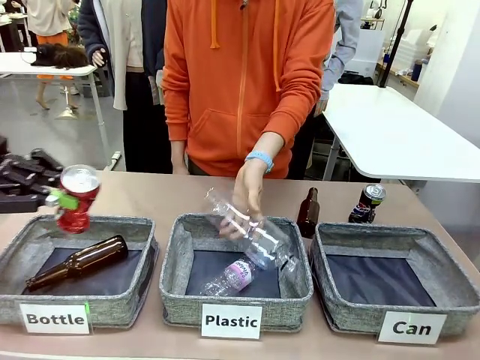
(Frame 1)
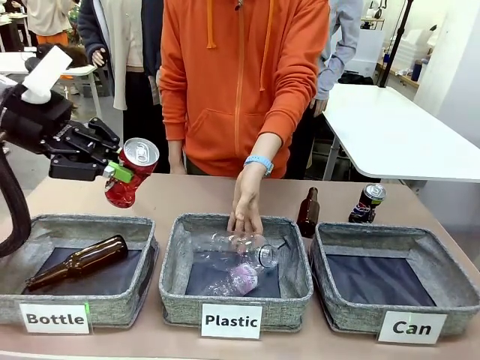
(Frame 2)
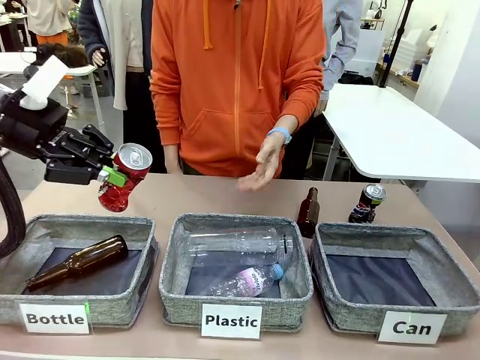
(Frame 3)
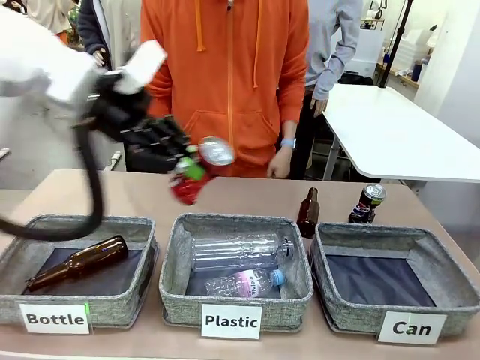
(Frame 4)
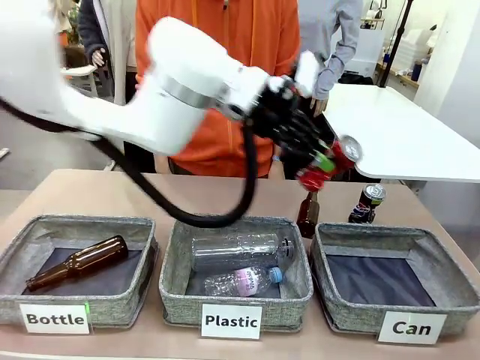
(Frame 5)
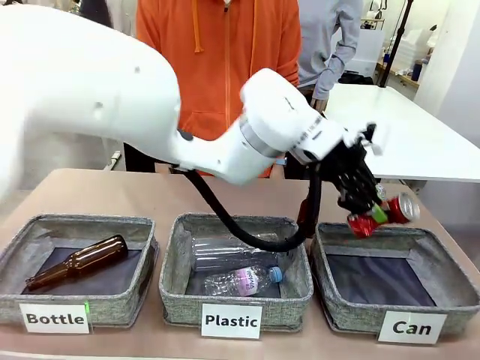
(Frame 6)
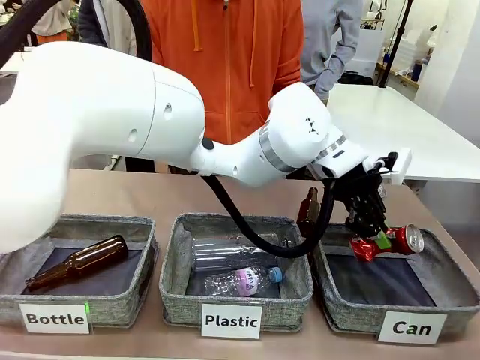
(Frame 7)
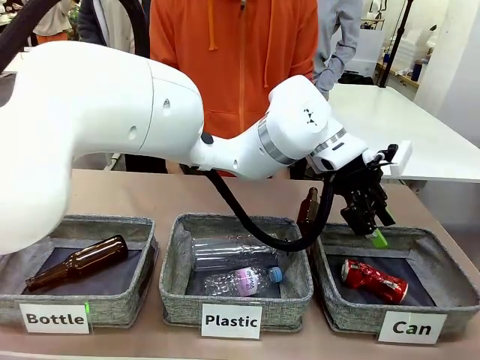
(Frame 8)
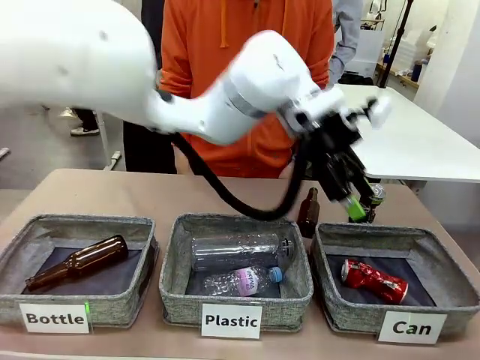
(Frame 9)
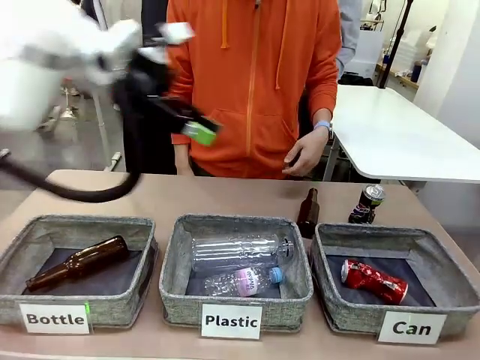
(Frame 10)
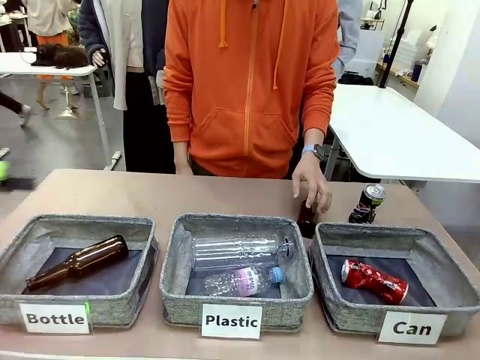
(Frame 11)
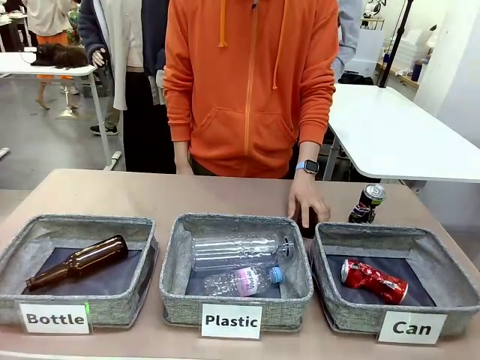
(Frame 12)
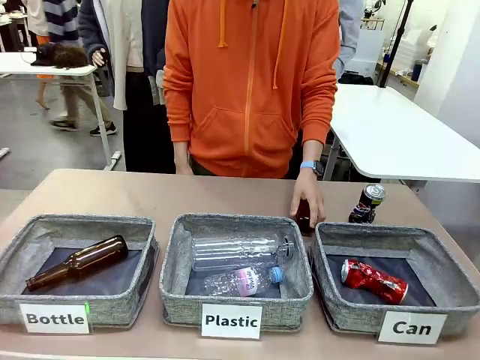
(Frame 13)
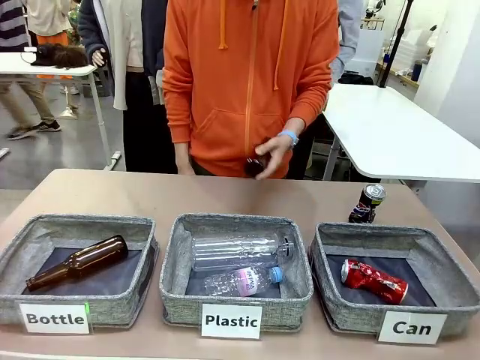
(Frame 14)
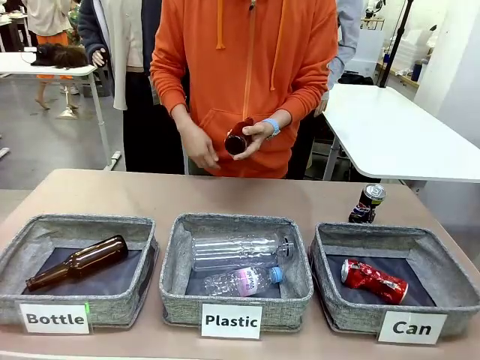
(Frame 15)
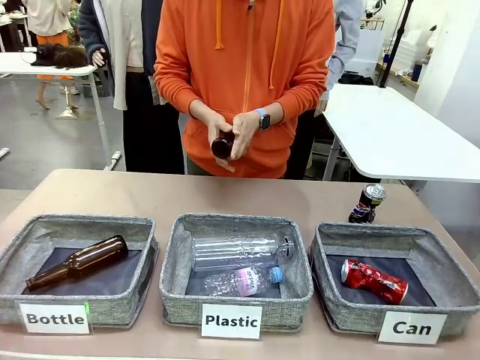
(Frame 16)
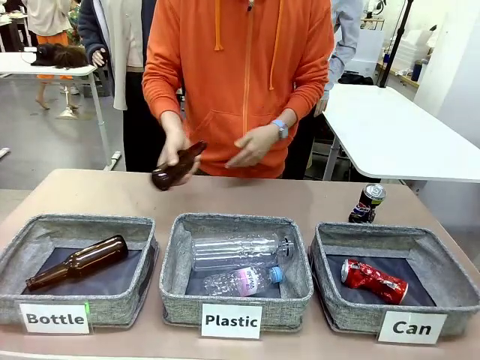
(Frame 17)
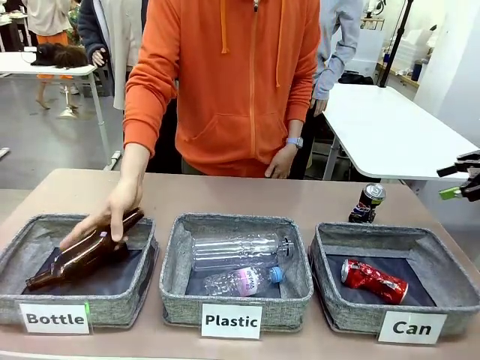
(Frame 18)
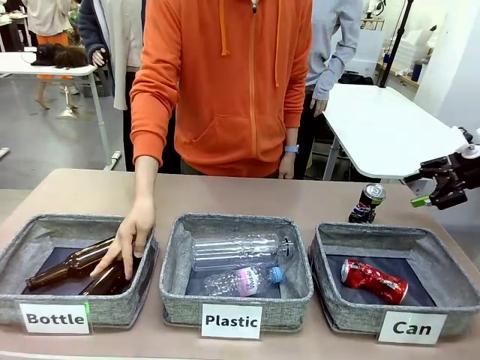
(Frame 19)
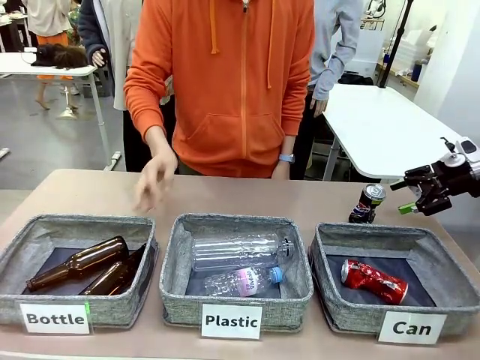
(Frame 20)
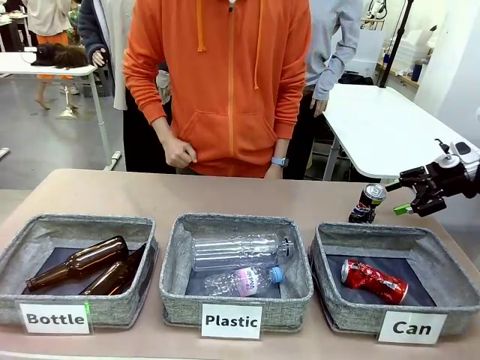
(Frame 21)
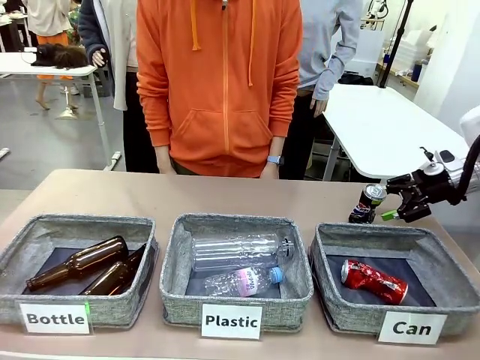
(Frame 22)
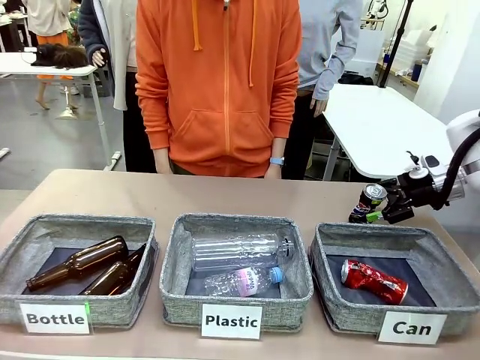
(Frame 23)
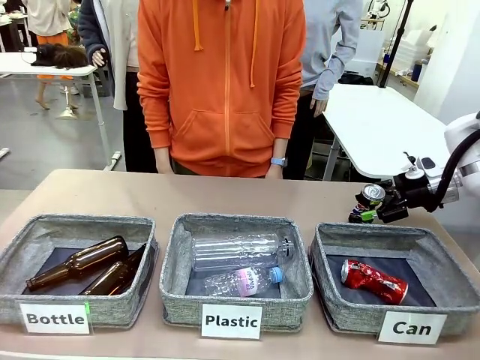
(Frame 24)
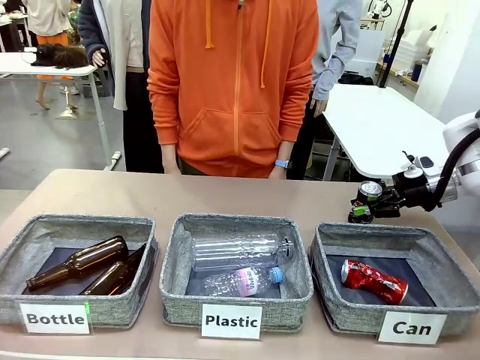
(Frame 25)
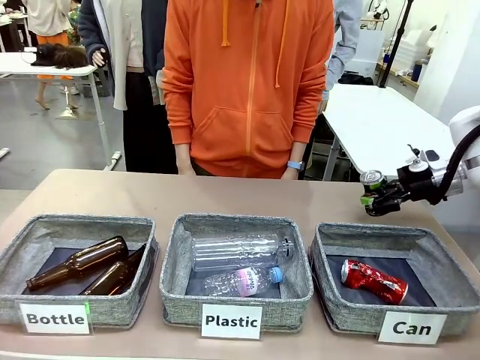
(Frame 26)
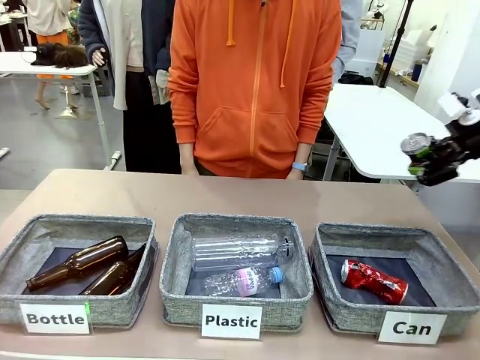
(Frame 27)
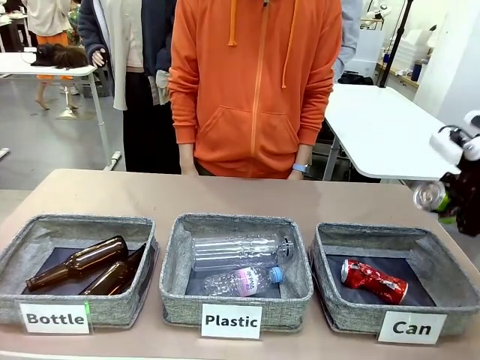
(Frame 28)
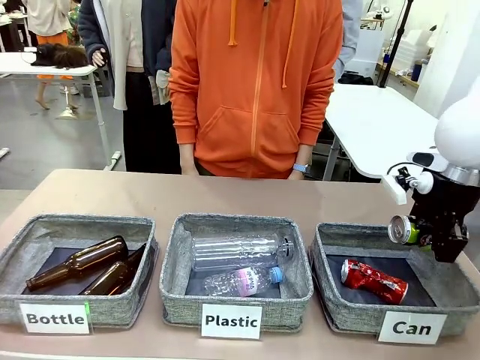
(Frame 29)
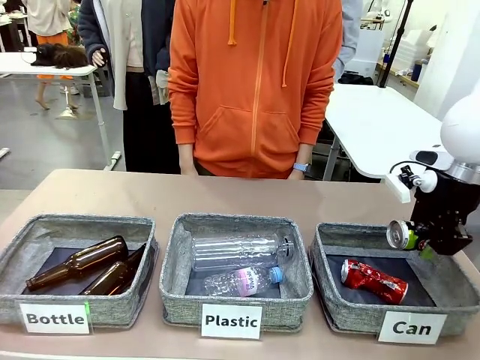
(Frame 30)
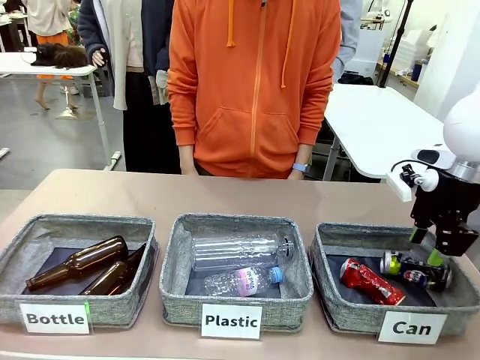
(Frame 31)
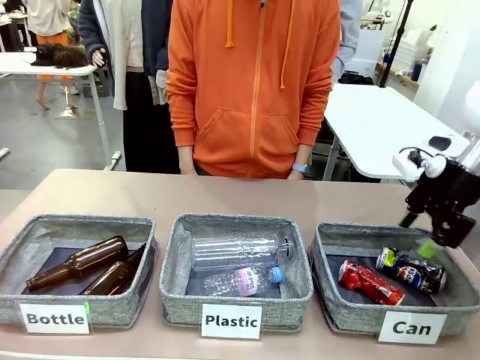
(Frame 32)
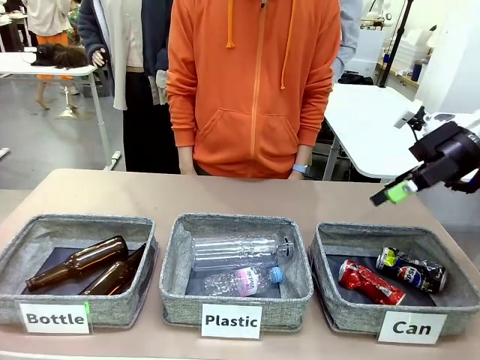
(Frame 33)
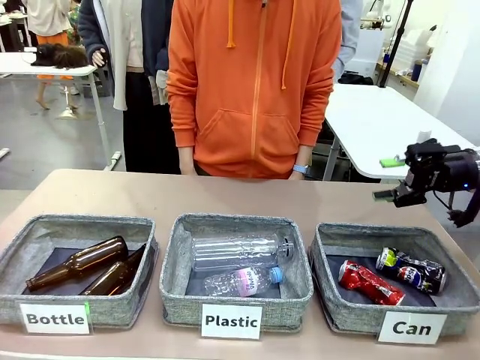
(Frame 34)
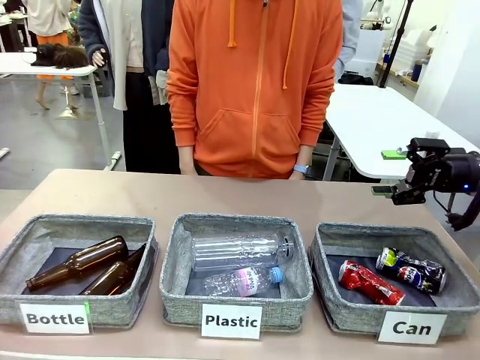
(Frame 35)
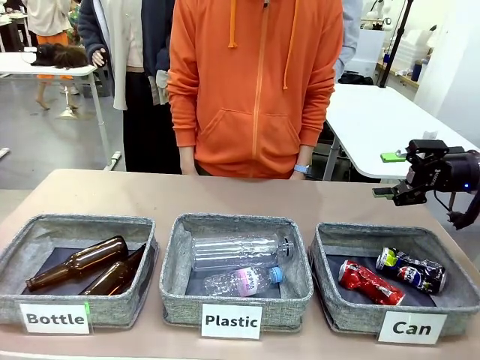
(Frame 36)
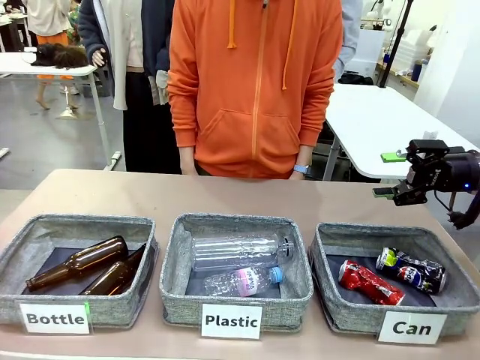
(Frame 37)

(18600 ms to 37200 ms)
Task: Sort the can waste into the basket.
Robot: Pick up the can waste from the table and place it in the right Fabric basket.

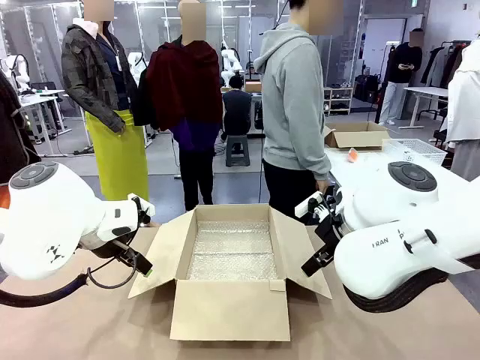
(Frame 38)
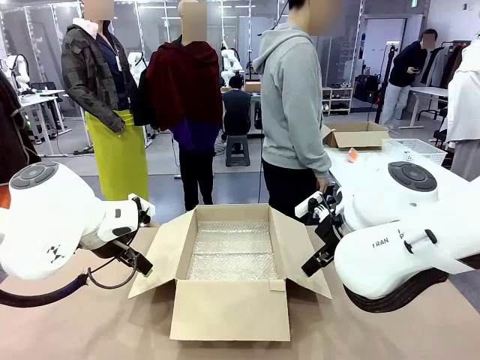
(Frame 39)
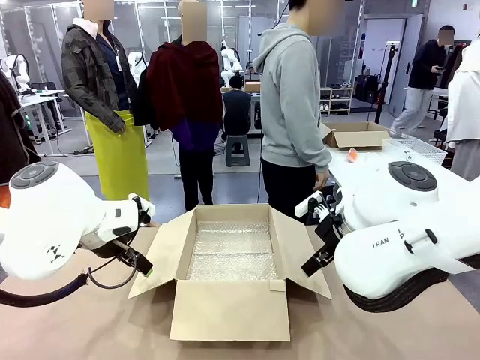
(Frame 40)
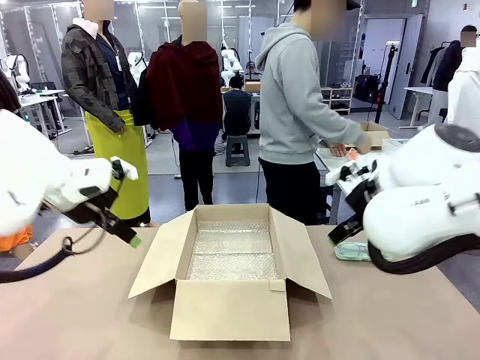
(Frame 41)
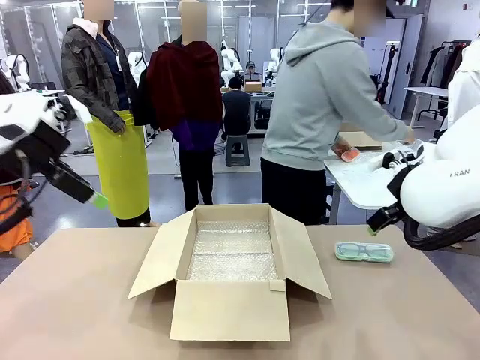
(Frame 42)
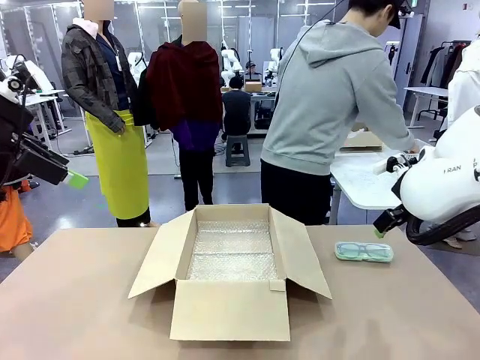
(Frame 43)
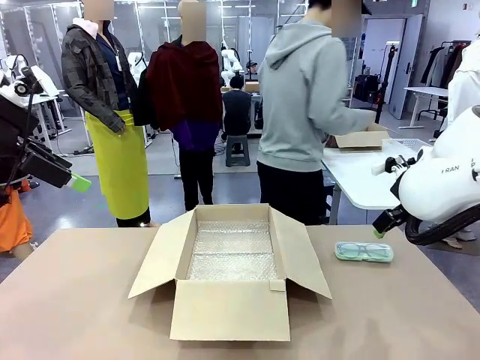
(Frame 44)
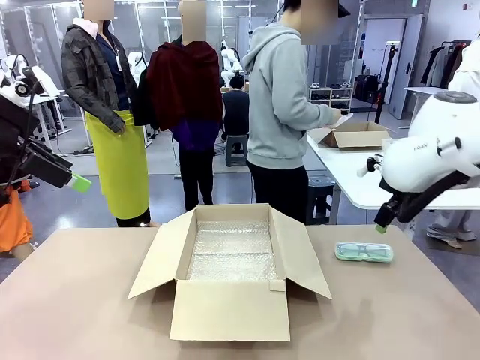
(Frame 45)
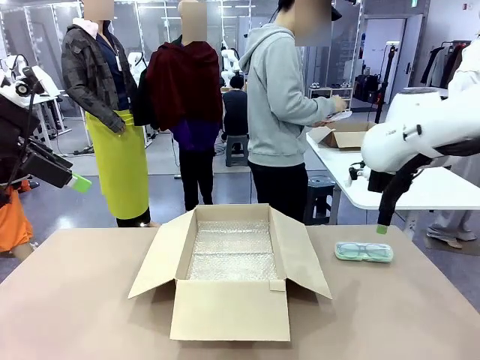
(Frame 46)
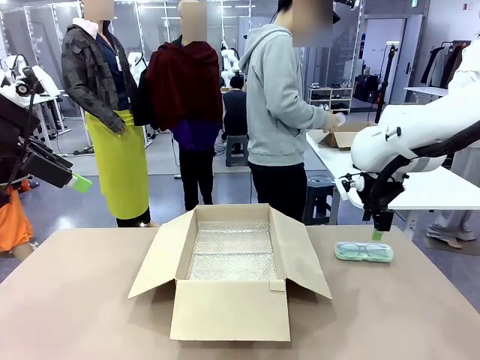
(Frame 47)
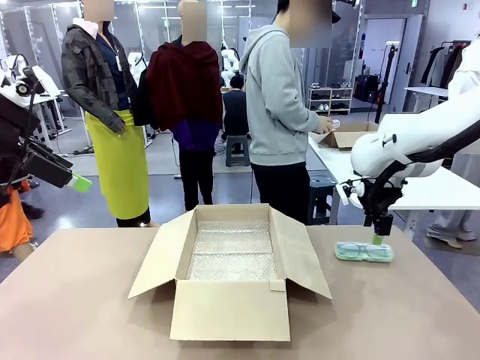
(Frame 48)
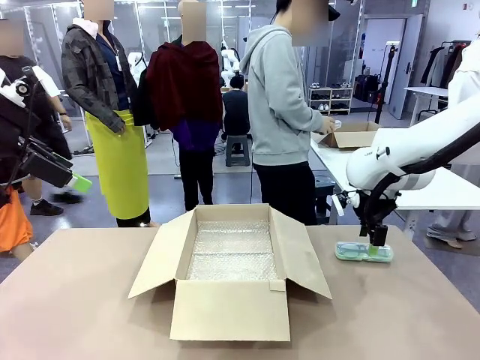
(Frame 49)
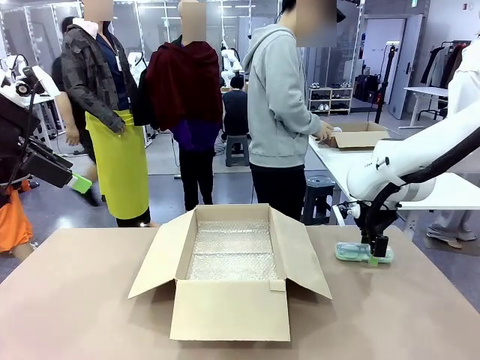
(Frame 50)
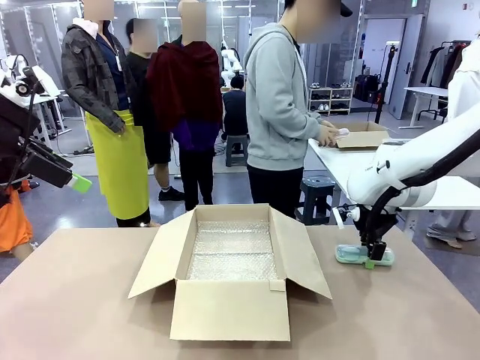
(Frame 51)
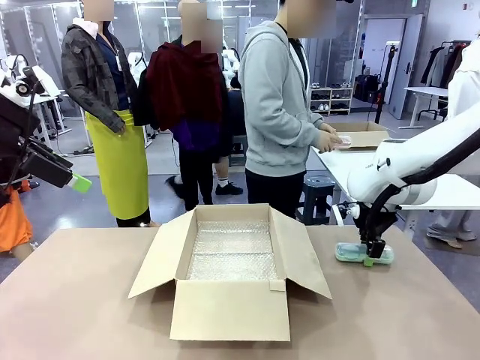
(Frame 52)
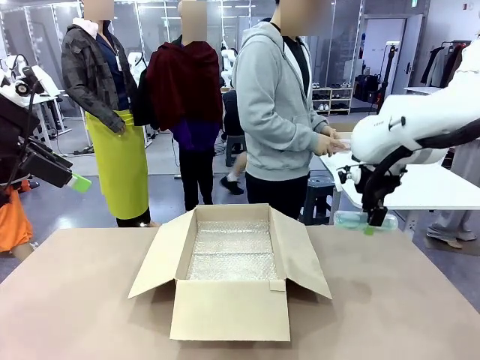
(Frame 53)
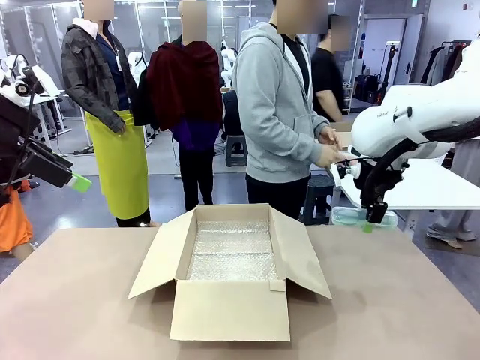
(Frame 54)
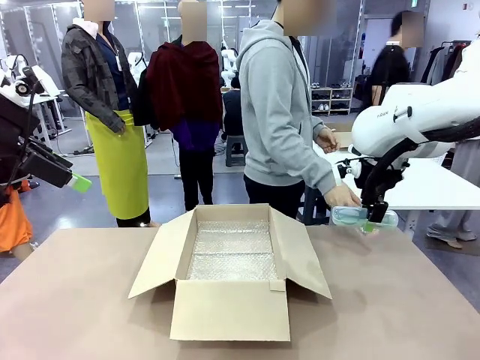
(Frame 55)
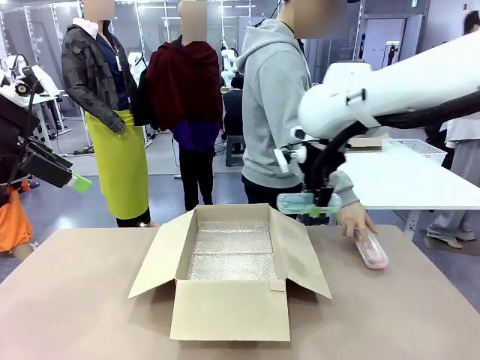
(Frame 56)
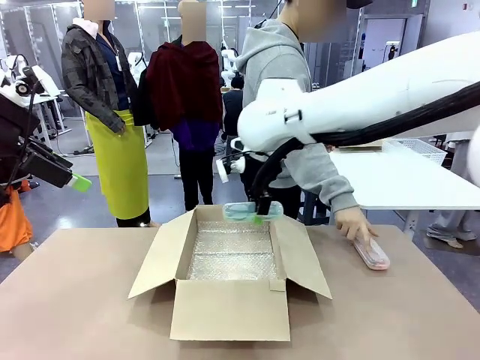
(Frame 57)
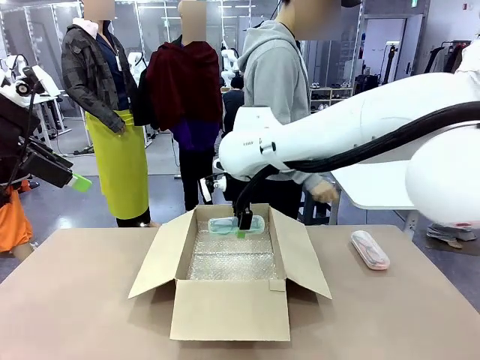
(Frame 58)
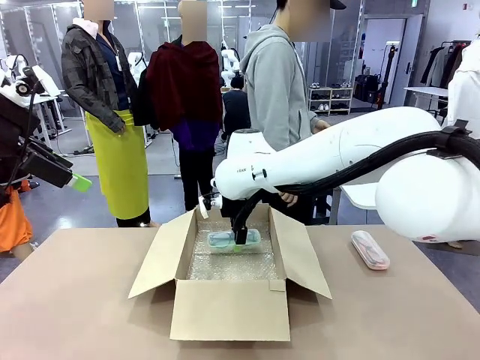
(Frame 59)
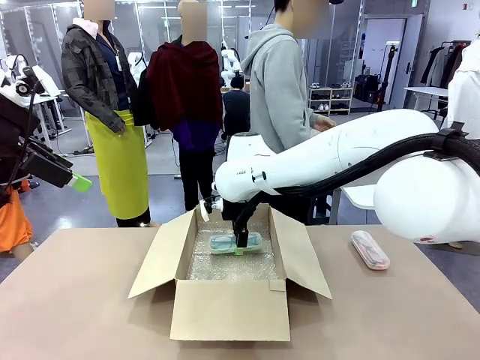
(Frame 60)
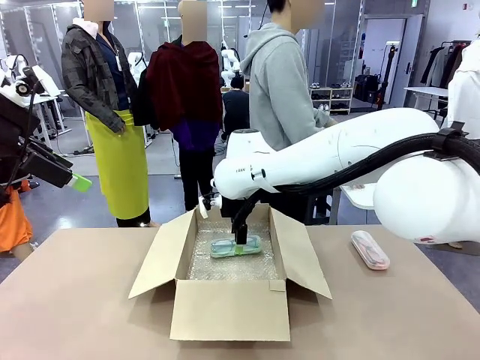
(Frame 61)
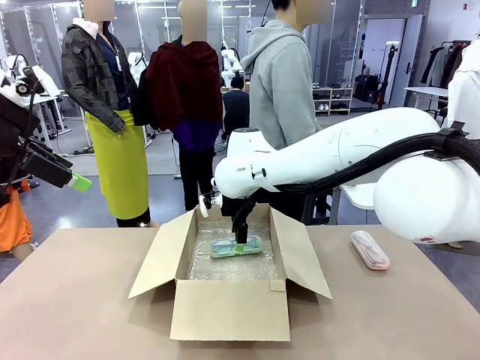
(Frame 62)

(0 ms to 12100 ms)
Task: Pack the glasses set securely to prepare it for shipping.
Robot: Place the Glasses case inside the Package Box.
Person: Place the Glasses inside the Glasses case. Position the Glasses case on the left side of the robot's table.
